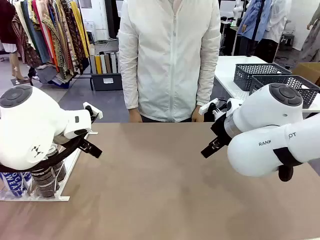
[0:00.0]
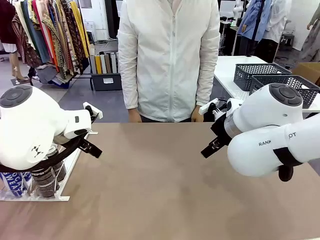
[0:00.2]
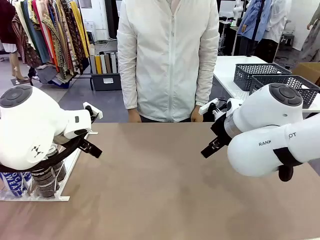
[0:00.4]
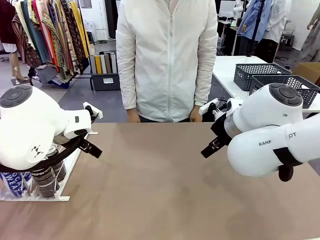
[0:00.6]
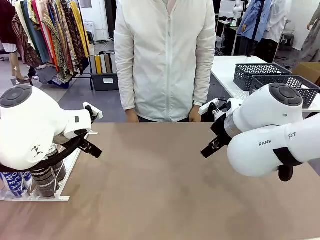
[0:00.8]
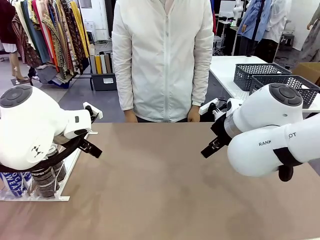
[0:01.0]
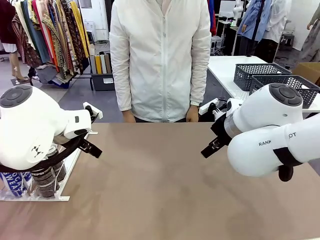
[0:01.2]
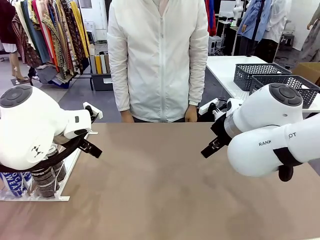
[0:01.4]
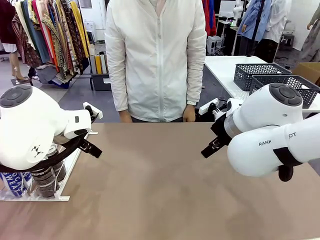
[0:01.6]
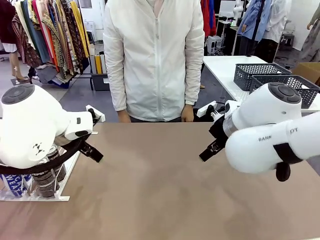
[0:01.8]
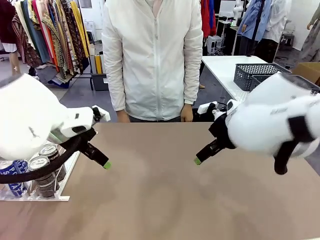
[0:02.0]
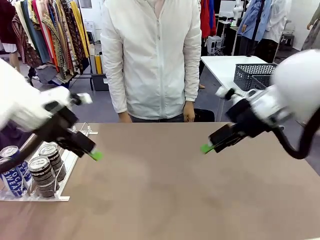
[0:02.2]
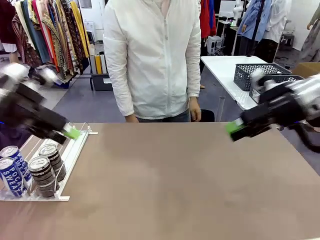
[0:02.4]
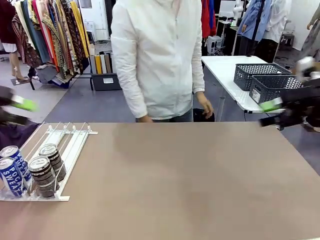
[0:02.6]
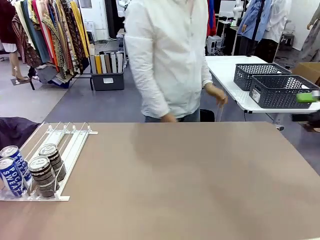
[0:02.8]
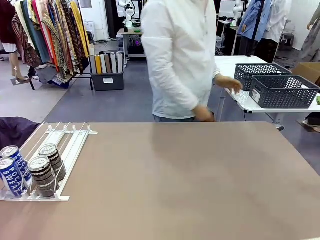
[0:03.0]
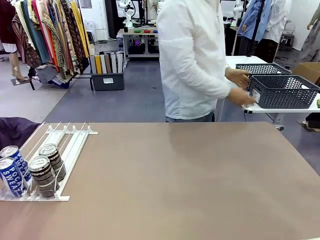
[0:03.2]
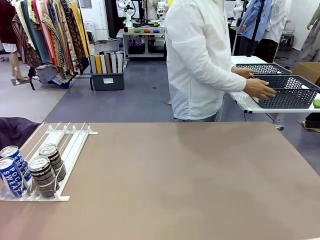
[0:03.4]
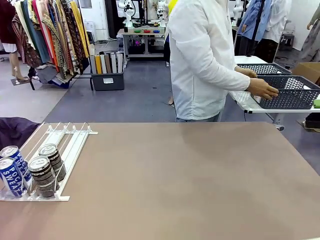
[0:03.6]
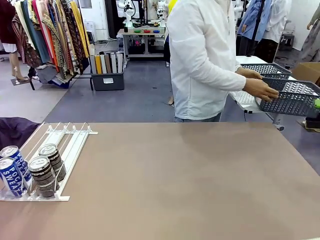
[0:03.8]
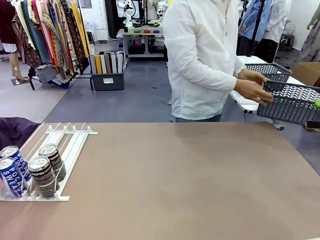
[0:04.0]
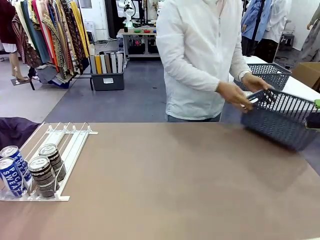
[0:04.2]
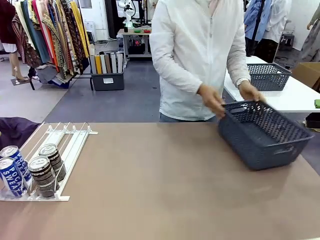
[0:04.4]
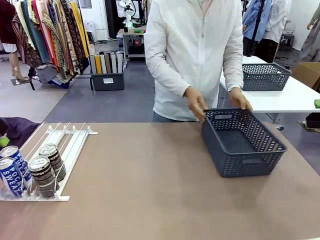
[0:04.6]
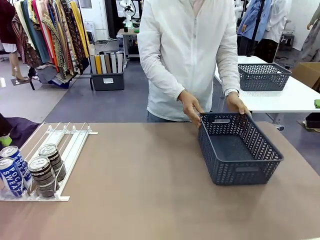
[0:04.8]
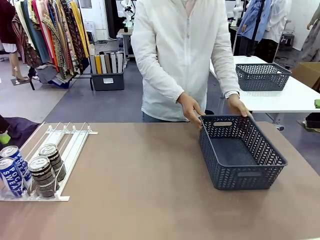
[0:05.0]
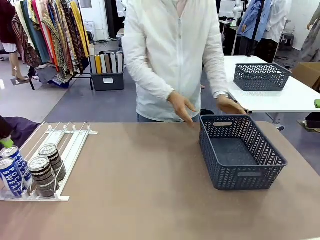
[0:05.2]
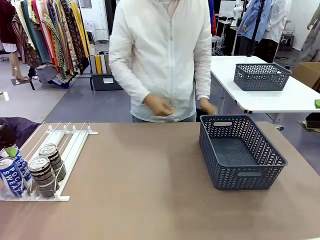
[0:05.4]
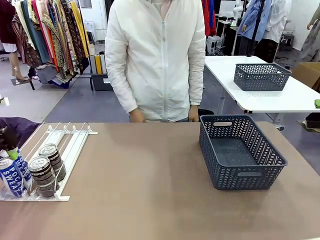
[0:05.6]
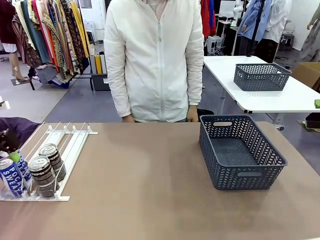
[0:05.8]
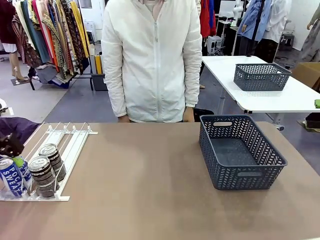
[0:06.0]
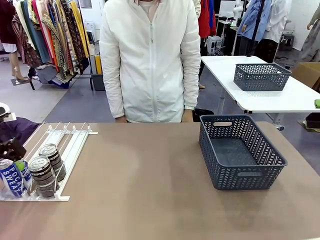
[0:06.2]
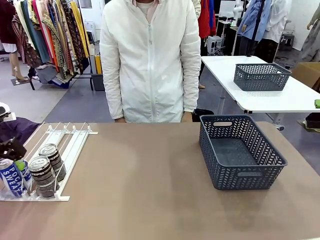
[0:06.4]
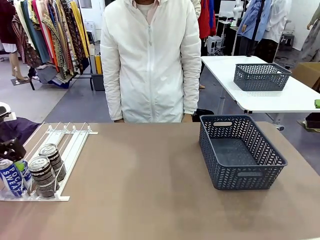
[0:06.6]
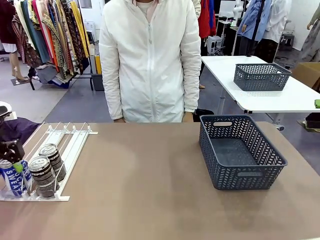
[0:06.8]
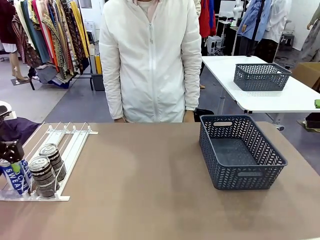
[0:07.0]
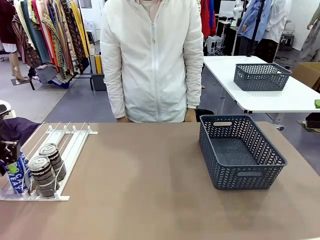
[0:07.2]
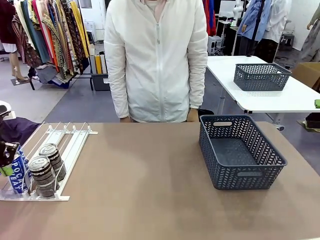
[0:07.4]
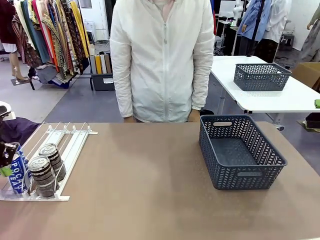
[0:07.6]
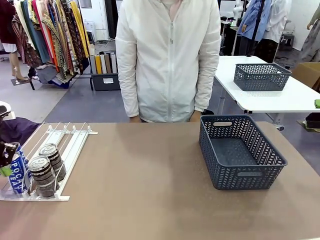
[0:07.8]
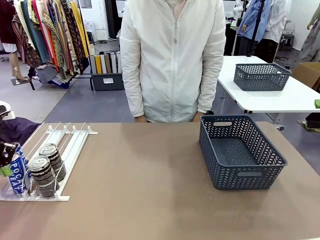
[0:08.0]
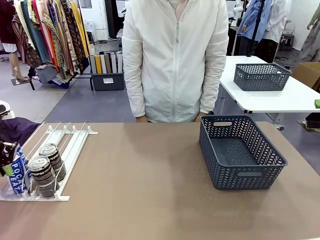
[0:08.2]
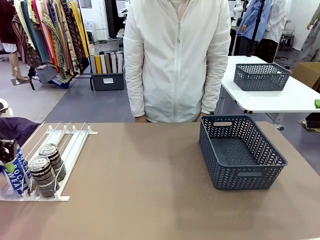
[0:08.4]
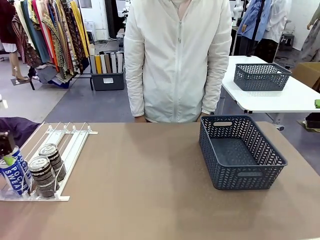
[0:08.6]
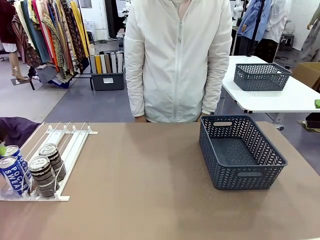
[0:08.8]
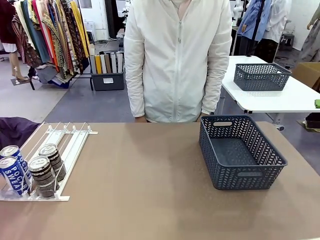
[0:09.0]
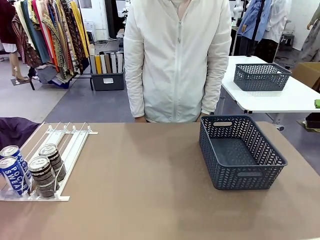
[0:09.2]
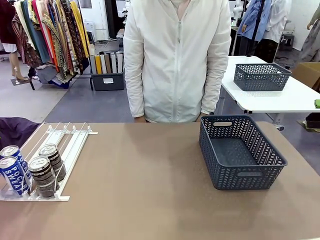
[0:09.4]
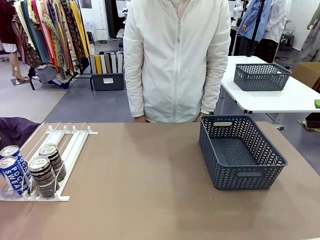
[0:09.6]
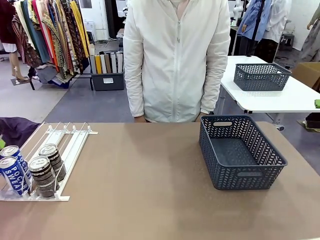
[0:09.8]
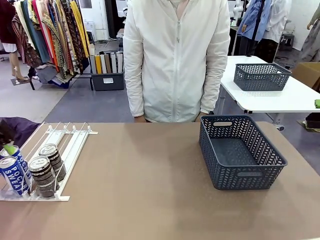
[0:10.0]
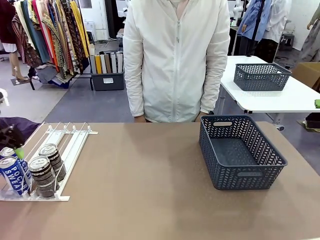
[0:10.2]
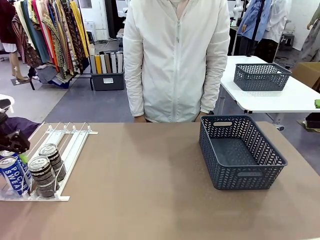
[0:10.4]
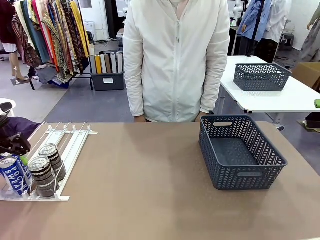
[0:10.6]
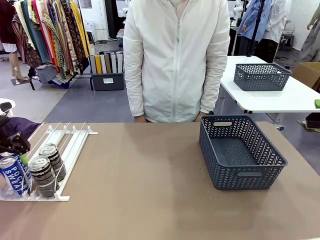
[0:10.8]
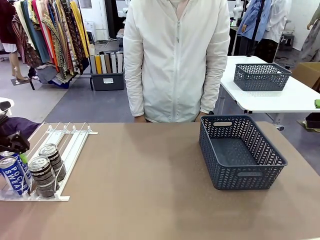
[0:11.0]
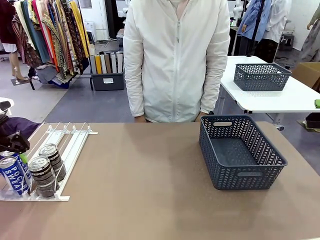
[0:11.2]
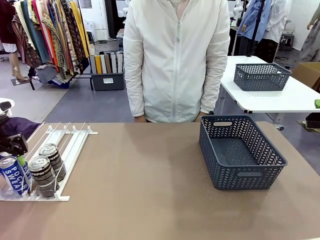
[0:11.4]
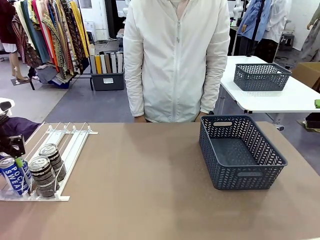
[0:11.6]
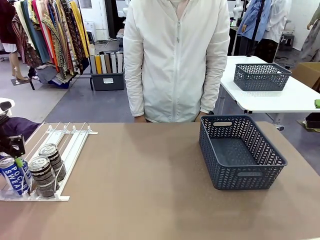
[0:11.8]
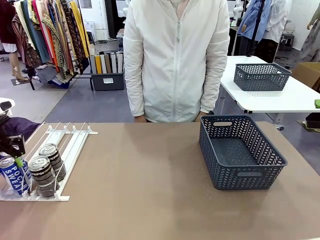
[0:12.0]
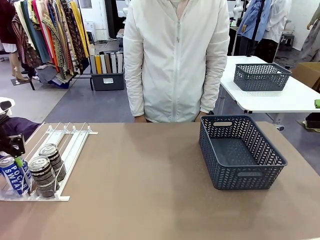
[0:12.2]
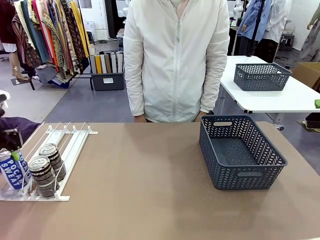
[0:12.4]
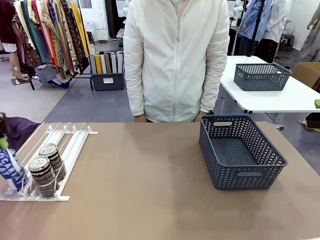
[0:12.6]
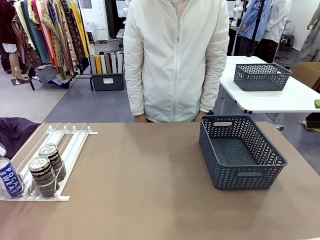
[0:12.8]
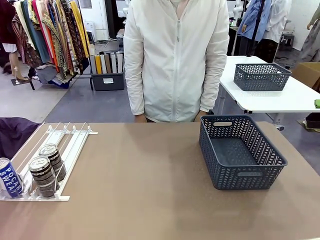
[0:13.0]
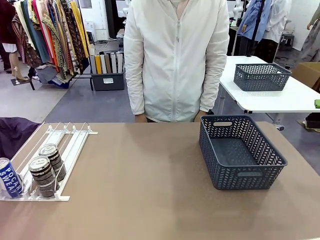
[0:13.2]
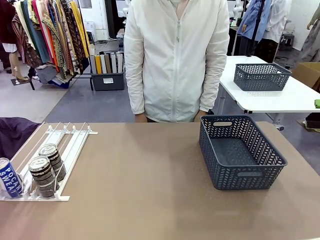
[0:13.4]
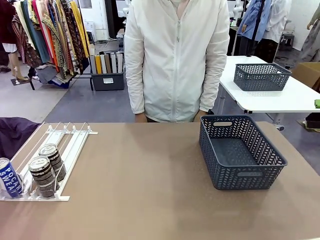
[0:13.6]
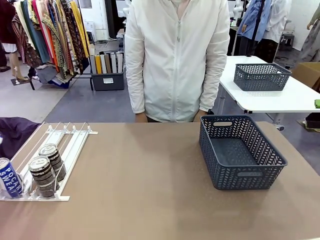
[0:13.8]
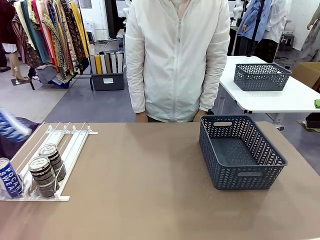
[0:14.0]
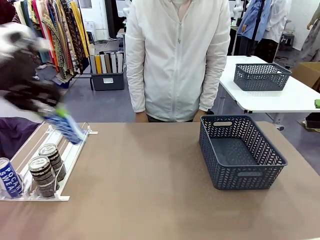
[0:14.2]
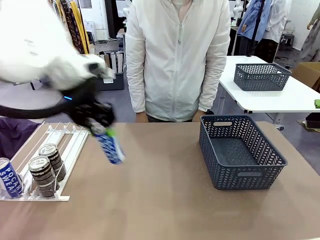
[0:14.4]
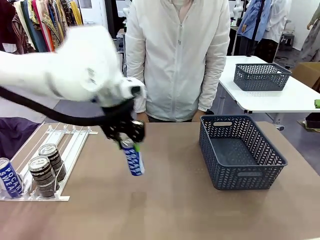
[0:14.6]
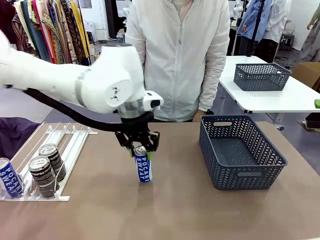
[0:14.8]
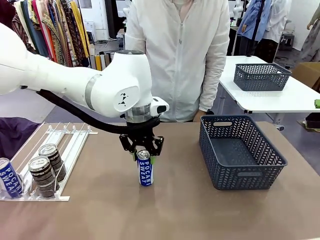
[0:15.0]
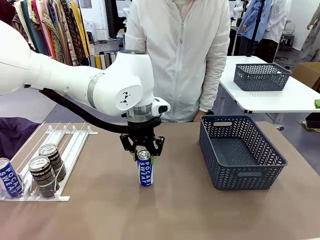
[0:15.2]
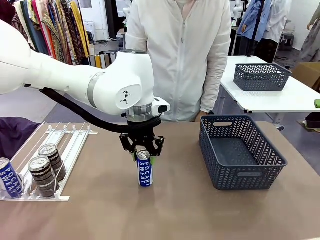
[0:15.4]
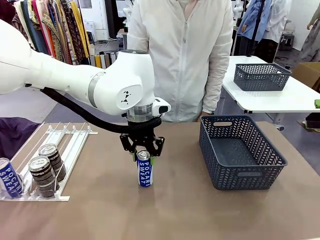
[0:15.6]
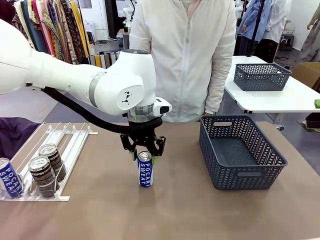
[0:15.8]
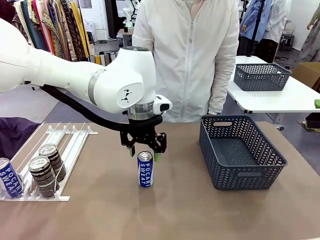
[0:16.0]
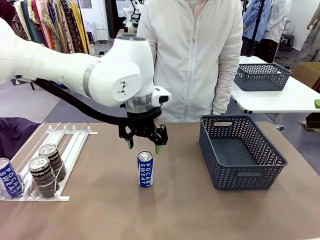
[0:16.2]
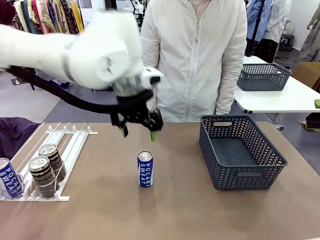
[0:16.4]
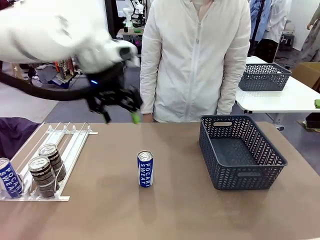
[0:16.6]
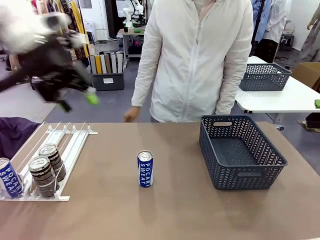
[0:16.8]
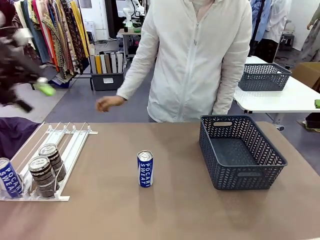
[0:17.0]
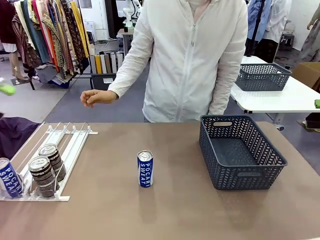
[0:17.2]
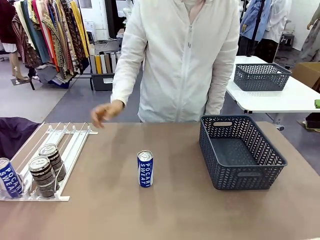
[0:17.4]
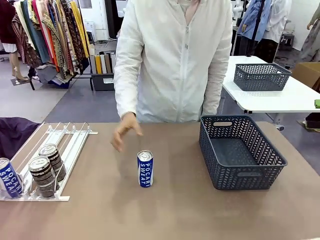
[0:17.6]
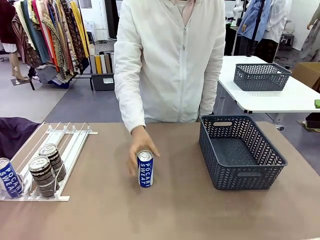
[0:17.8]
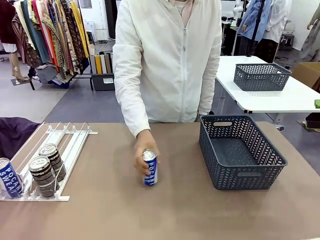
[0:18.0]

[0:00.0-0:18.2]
Task: Retrieve and store the cans from the dispenser.
Robot: Pick up one can from the Automatic Can Dispenser and place it in the middle of the table.
Person: Pick up the basket and place it on the left side of the robot table.
